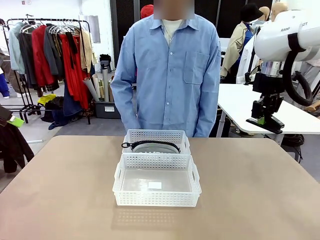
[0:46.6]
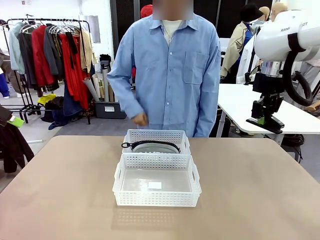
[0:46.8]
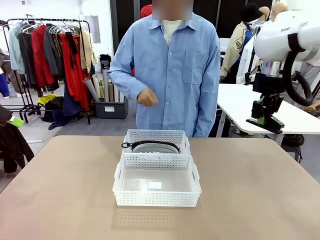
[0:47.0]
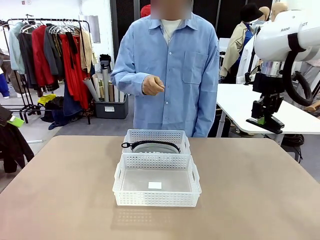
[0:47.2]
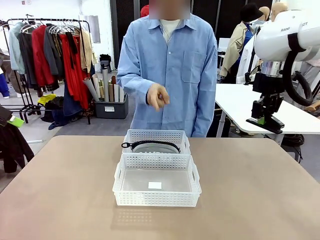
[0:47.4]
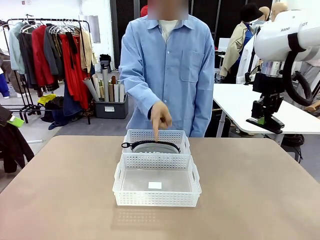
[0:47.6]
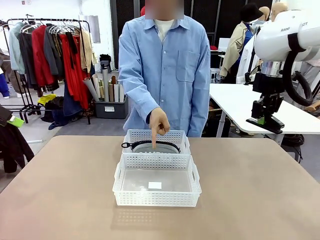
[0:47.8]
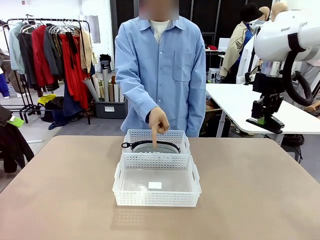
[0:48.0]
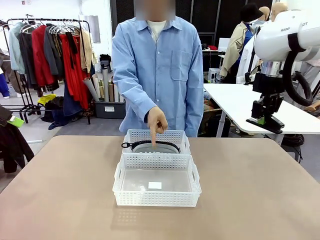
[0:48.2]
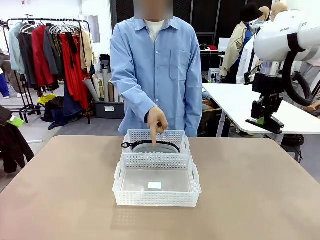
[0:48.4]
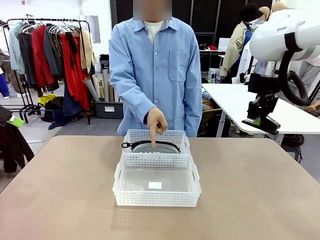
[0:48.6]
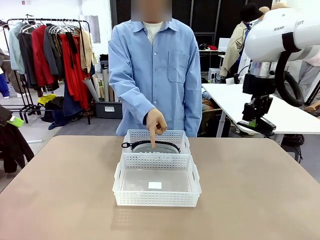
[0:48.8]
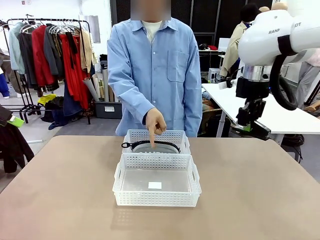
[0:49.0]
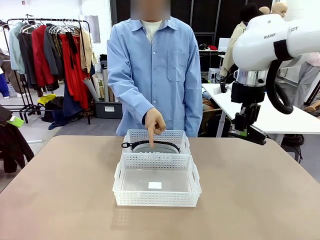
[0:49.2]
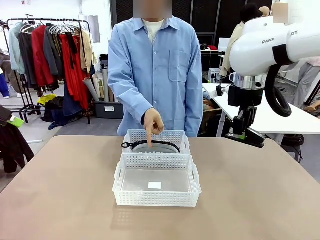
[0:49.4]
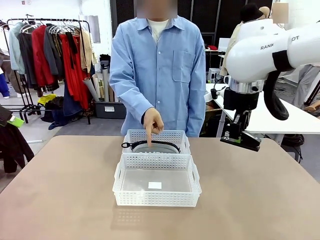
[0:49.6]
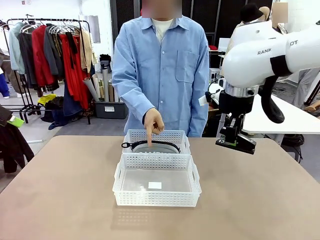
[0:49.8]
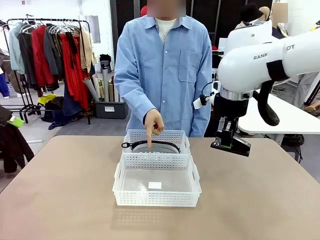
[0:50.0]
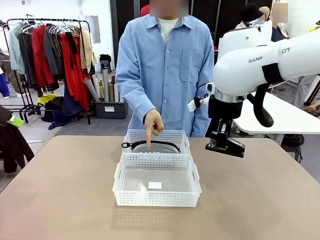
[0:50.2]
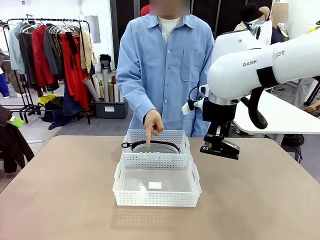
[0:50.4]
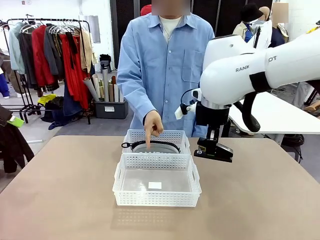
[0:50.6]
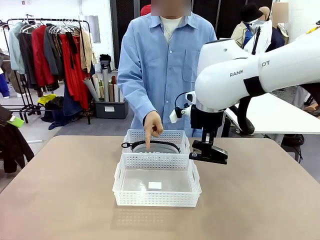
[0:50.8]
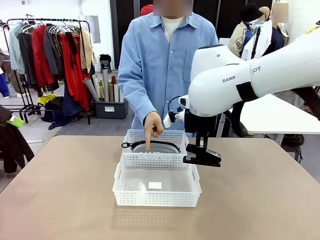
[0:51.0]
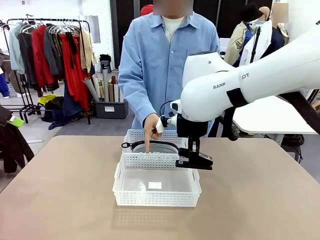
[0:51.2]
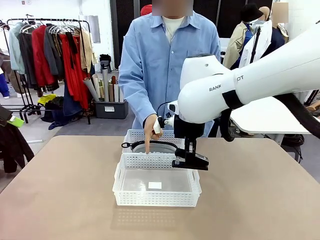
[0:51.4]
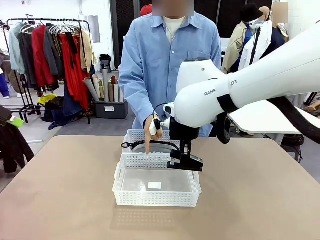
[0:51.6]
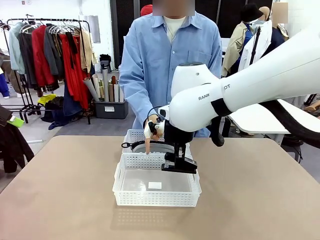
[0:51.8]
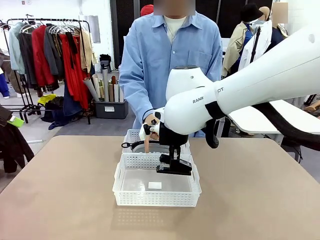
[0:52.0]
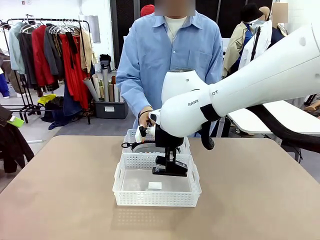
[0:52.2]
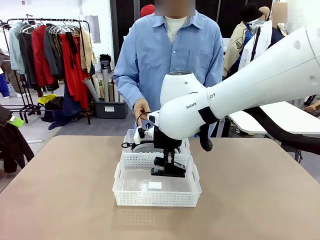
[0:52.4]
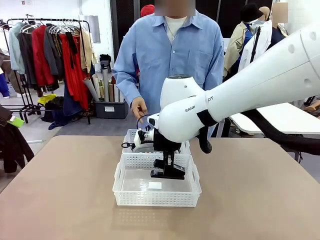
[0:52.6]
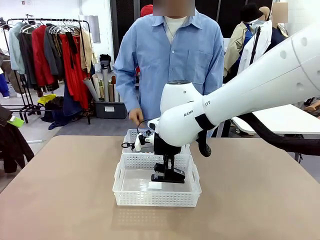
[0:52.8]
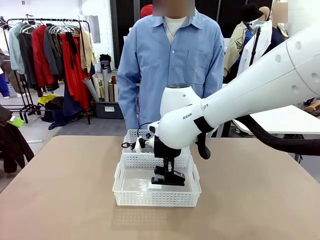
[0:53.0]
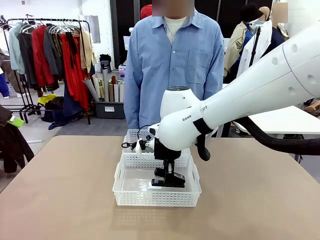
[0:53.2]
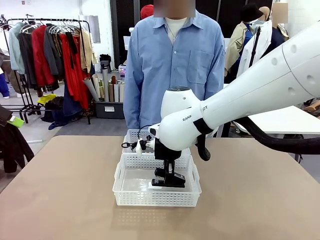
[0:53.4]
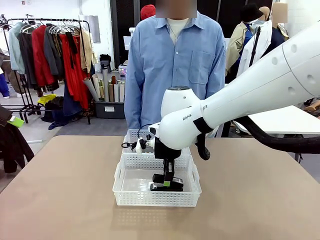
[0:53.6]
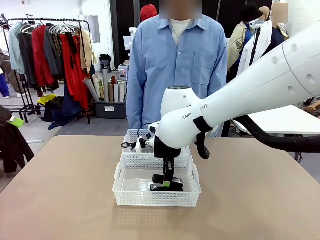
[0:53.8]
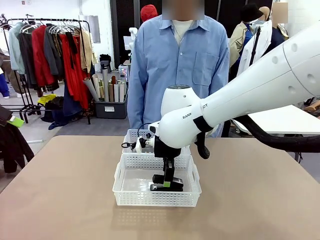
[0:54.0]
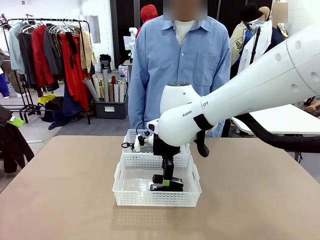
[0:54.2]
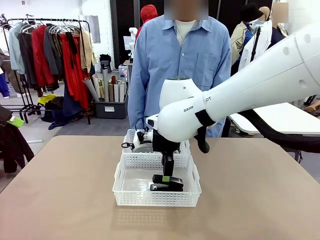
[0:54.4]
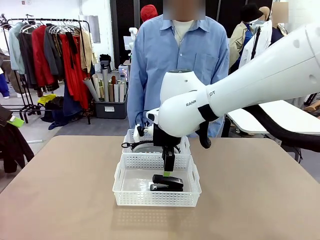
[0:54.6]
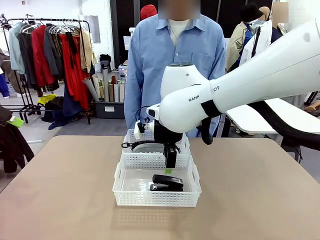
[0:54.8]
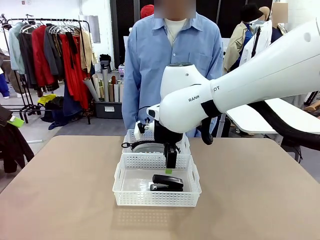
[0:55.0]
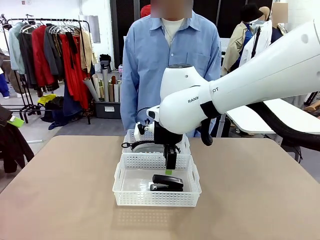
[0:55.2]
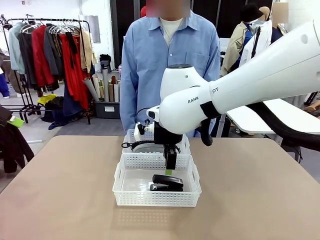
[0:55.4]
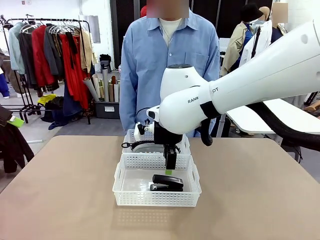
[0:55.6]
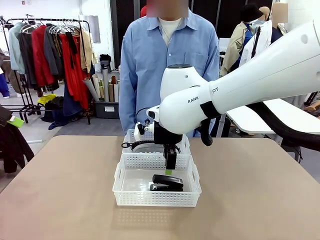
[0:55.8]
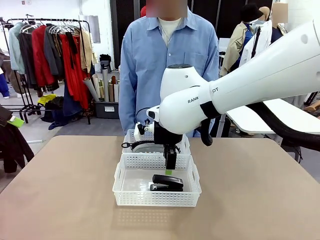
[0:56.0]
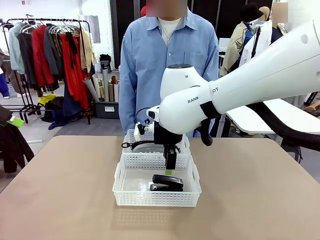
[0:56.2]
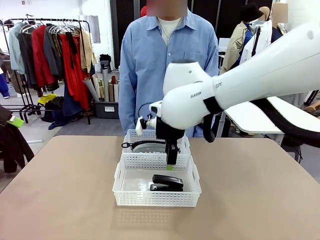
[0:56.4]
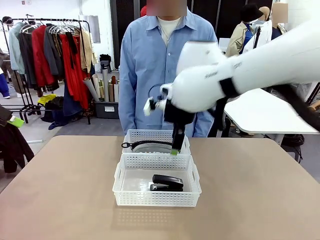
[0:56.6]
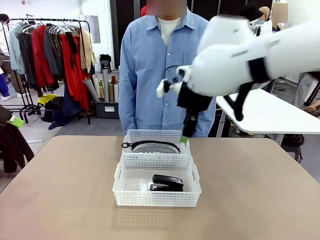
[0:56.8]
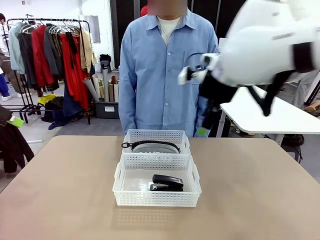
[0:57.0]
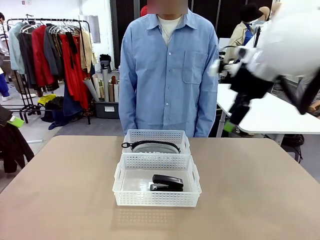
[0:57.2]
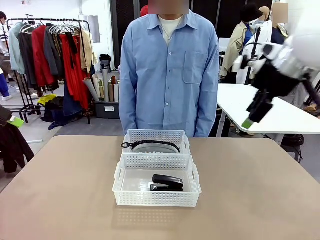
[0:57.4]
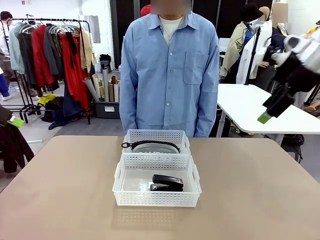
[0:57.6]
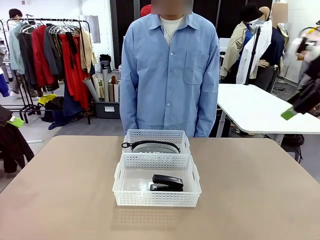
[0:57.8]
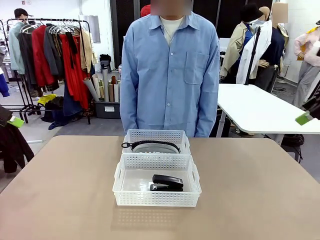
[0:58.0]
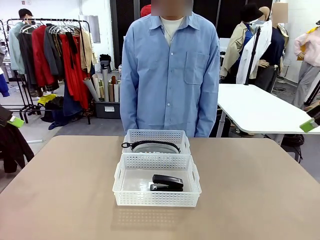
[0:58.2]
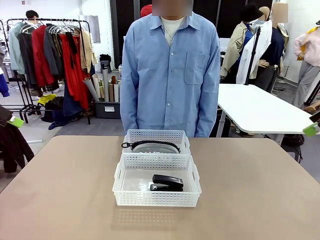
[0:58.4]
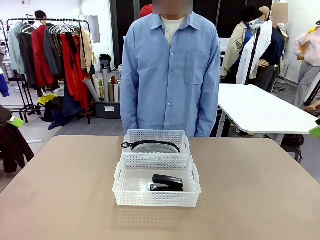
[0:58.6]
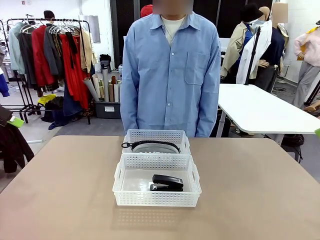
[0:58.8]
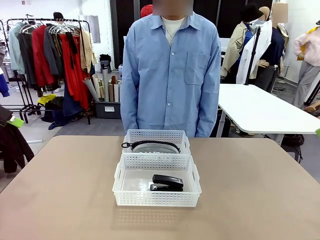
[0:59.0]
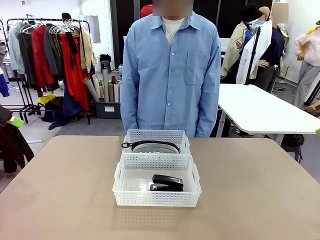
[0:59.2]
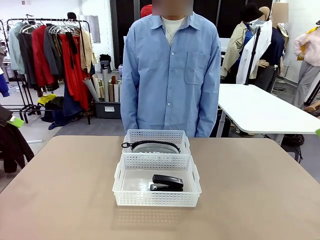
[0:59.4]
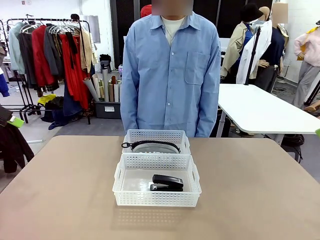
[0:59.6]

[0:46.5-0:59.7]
Task: Distribute items into two baskets.
Robot: Place the picked Stapler into the Organizing basket as instructed by the person.
Person: Points to the basket that does not contain the pencil case and instructs the robot to move the stapler there.

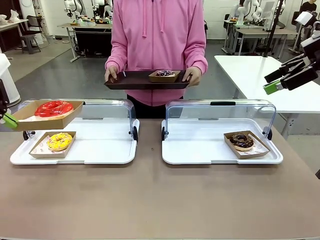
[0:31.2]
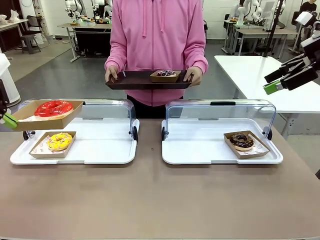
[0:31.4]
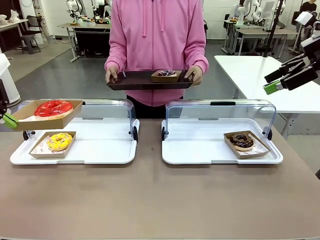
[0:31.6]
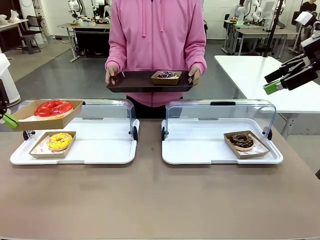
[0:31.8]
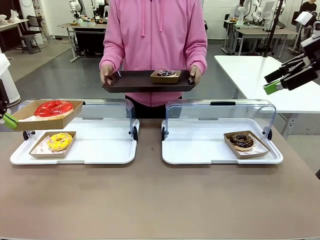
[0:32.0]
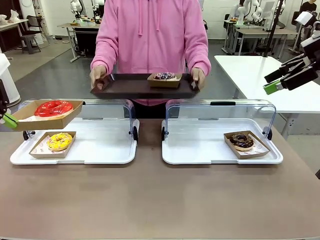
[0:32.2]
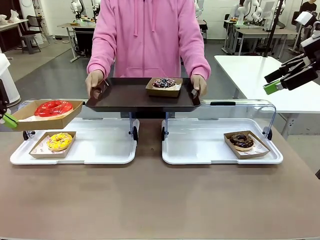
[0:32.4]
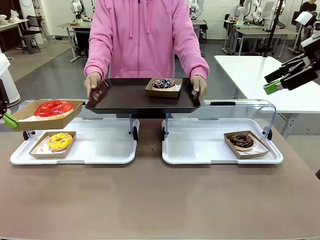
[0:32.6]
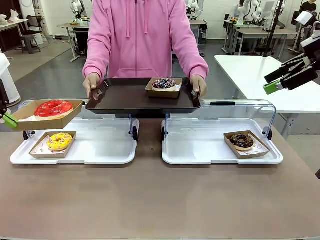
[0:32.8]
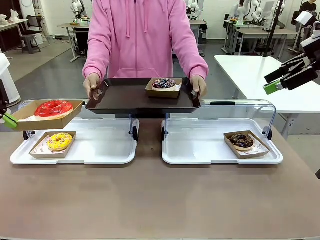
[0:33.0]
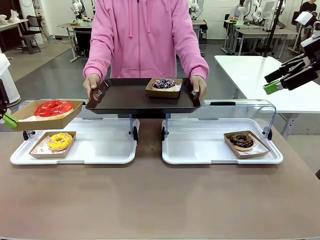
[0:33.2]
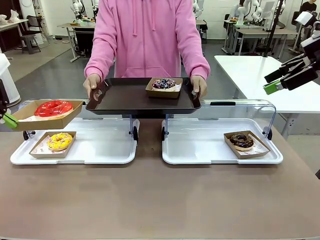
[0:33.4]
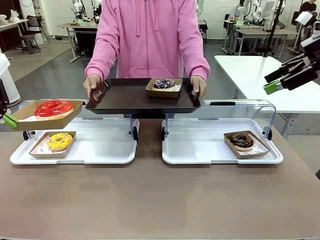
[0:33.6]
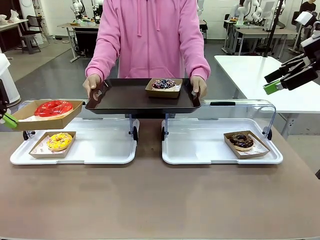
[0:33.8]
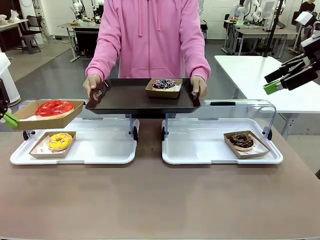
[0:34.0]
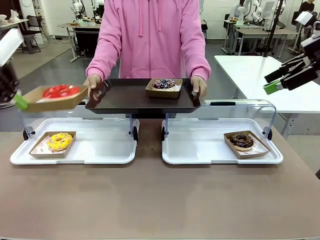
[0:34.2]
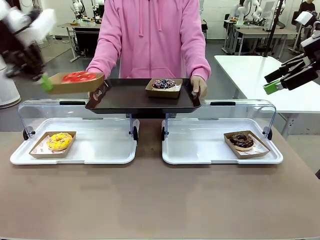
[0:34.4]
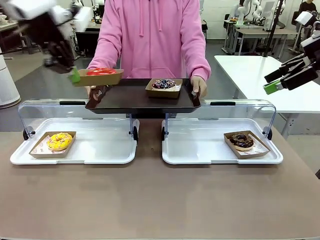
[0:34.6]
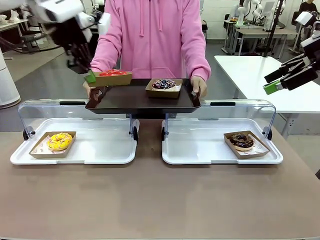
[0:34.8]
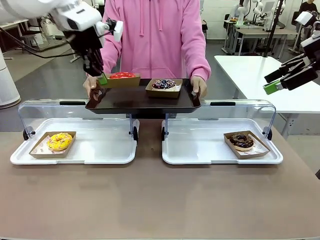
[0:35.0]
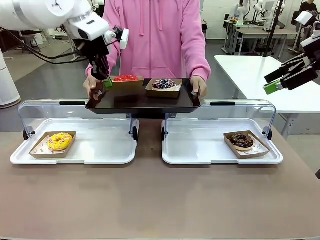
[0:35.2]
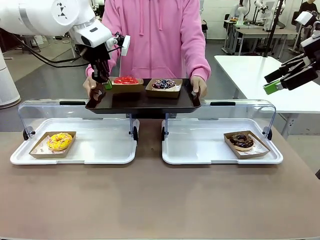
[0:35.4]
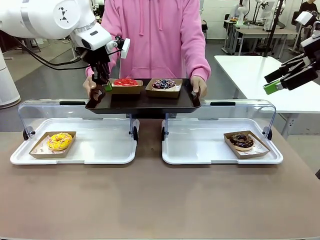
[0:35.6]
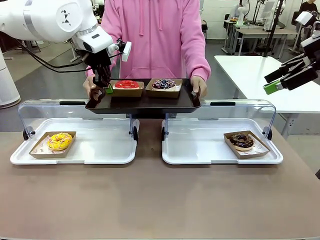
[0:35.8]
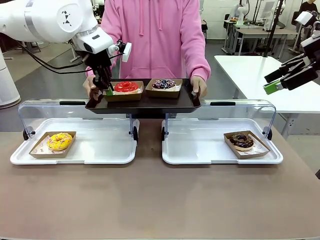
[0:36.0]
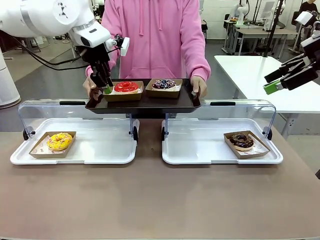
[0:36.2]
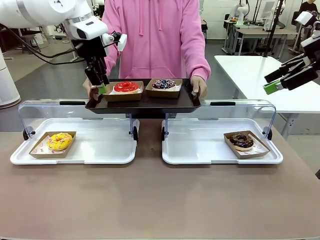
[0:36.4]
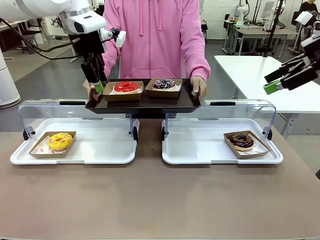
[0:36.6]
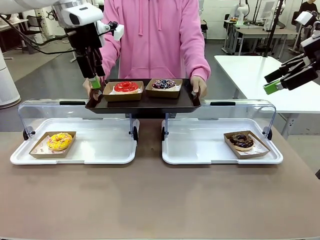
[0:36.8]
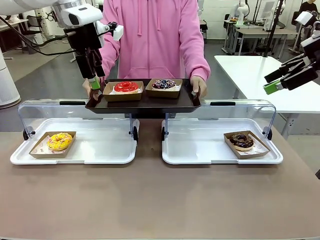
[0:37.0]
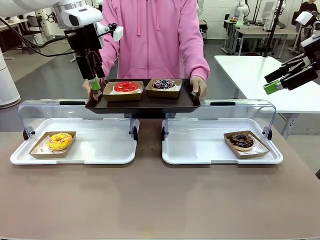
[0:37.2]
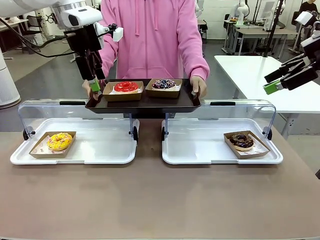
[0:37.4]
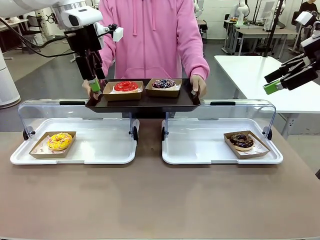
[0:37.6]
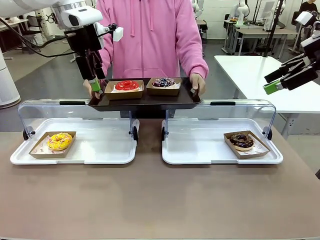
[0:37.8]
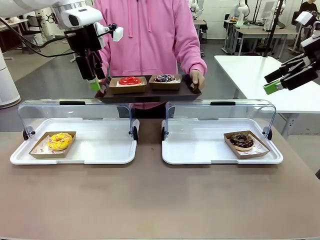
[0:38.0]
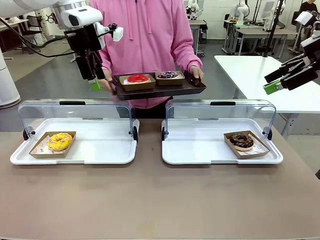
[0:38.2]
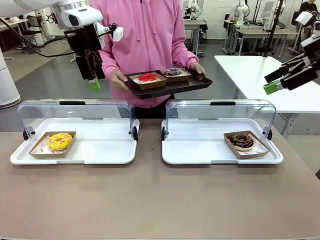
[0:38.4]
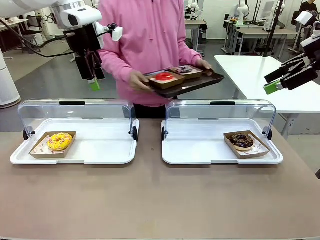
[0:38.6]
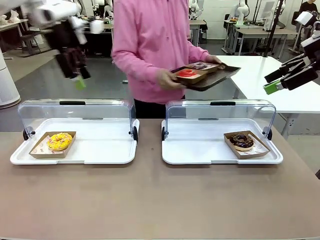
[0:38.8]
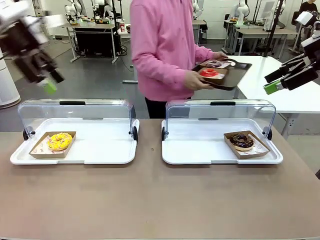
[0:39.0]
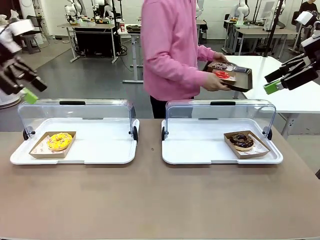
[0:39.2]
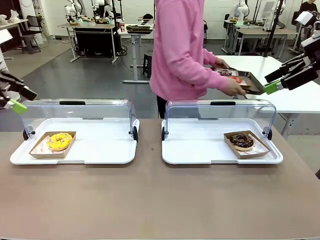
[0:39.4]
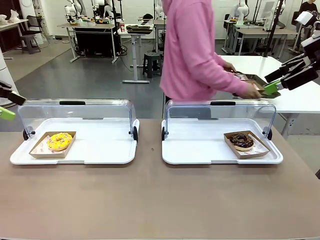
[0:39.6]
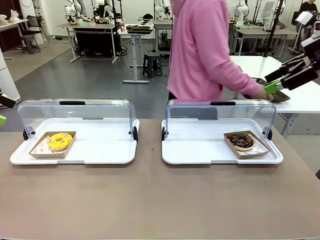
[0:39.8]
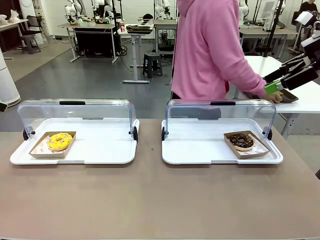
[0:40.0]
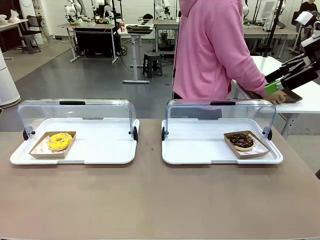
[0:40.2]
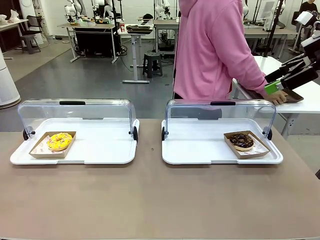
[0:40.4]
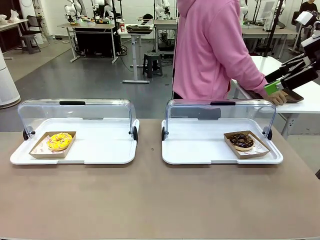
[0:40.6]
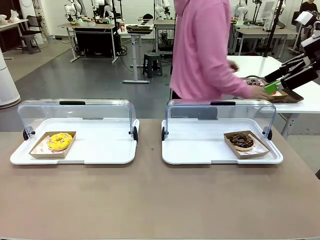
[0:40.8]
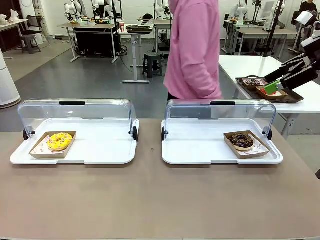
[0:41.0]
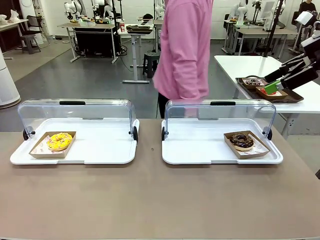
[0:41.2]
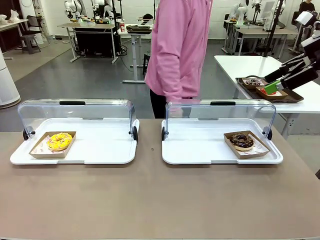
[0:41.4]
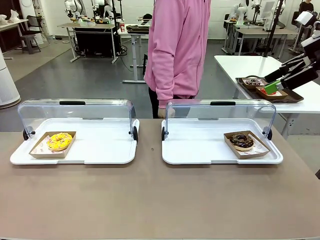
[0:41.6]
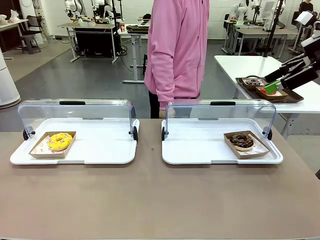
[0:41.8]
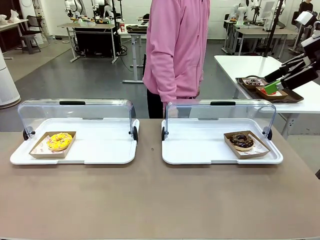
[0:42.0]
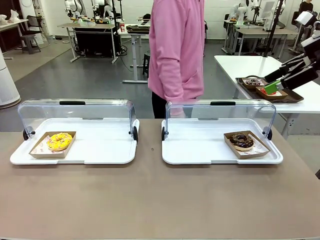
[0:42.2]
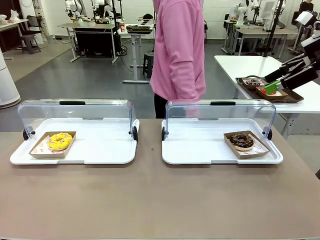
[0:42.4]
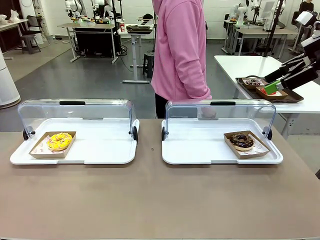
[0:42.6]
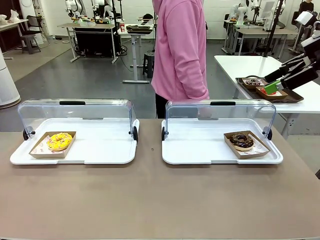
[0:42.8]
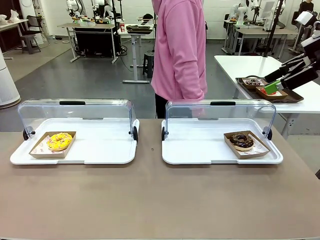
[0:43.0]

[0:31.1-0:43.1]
Task: Provide the desired donut to the person.
Robot: Place the picked Paper togo box onto the Handle tray extended by the person.
Person: Place the tray in the middle of the human table.
